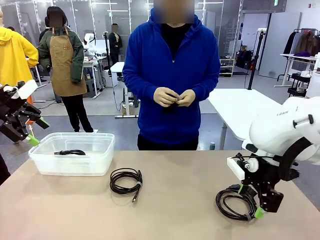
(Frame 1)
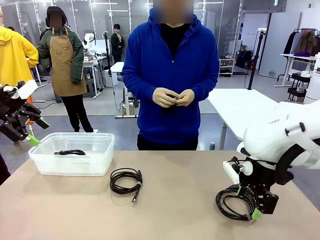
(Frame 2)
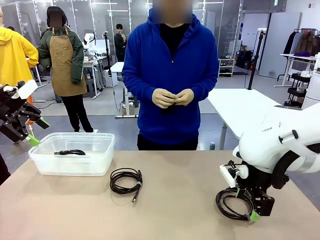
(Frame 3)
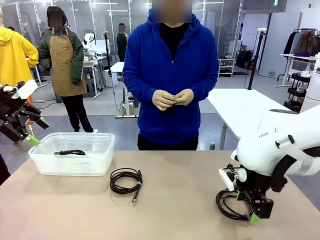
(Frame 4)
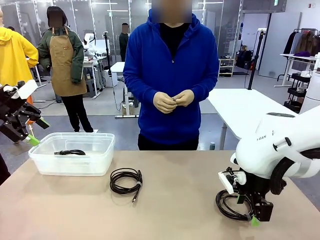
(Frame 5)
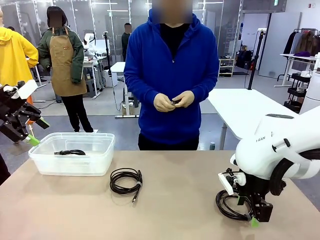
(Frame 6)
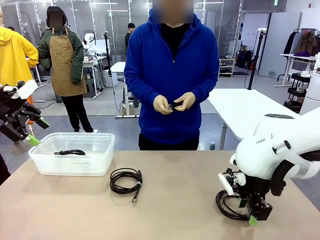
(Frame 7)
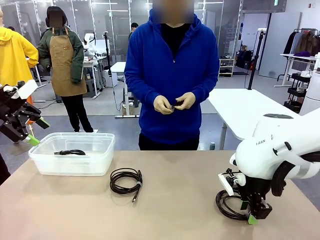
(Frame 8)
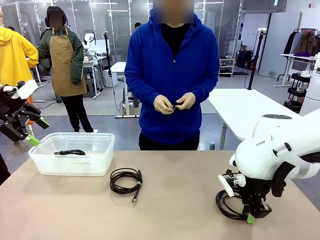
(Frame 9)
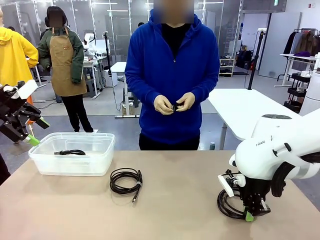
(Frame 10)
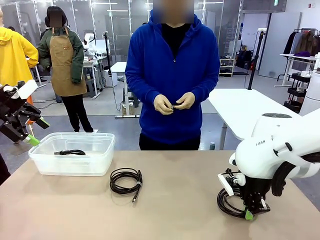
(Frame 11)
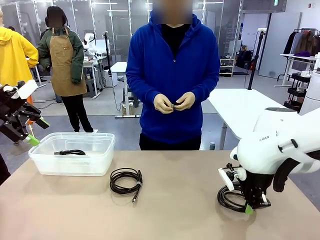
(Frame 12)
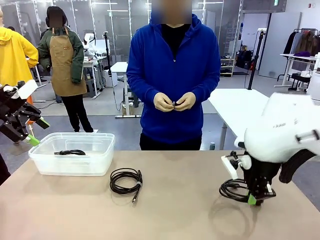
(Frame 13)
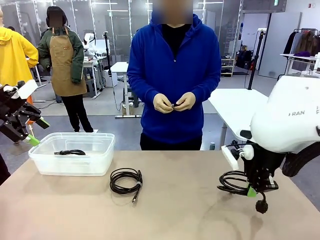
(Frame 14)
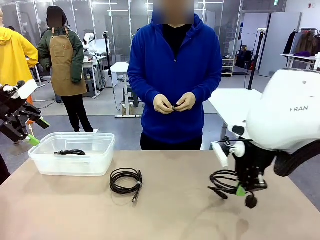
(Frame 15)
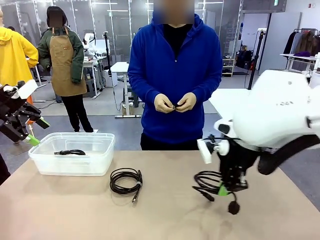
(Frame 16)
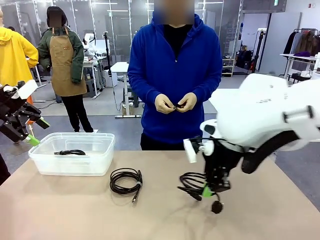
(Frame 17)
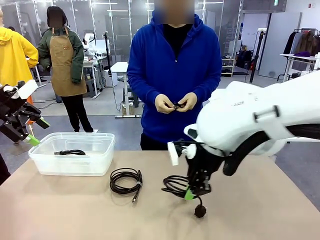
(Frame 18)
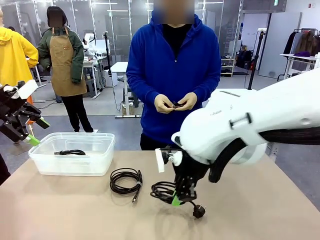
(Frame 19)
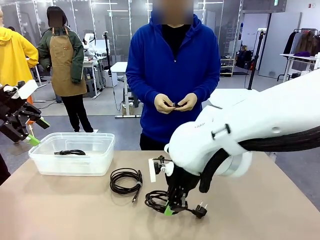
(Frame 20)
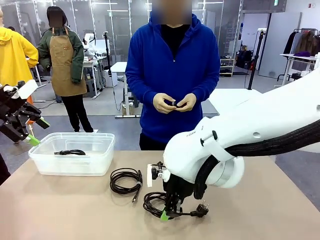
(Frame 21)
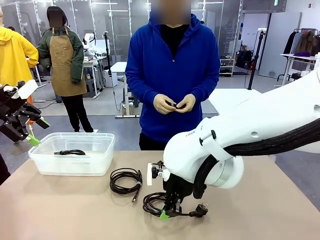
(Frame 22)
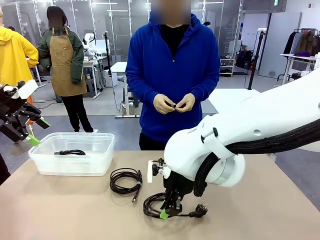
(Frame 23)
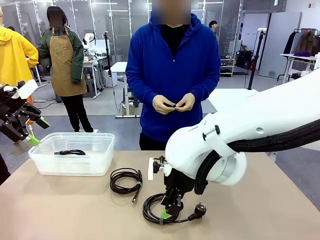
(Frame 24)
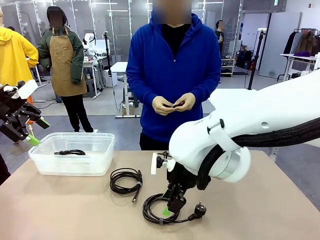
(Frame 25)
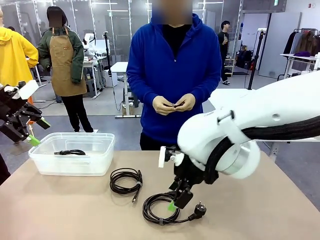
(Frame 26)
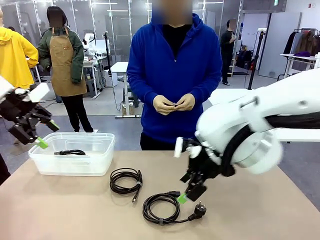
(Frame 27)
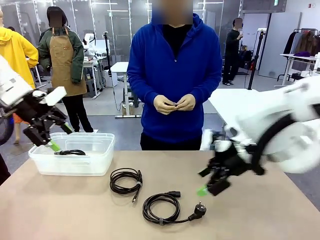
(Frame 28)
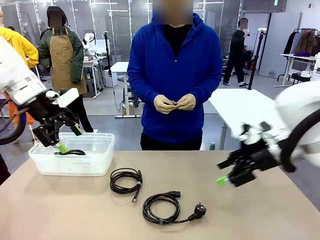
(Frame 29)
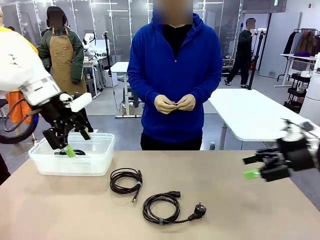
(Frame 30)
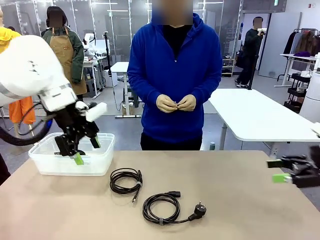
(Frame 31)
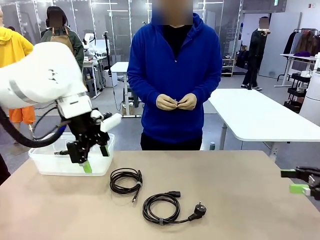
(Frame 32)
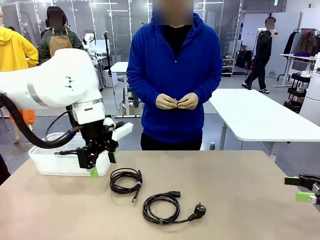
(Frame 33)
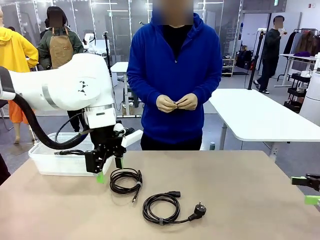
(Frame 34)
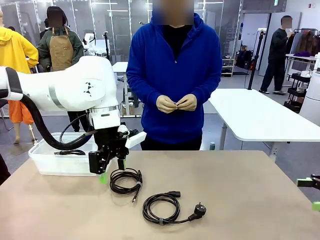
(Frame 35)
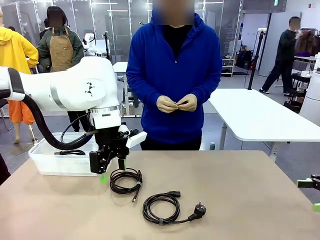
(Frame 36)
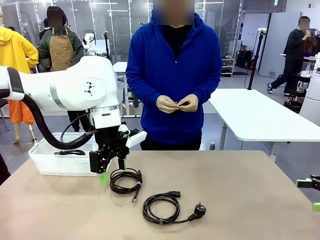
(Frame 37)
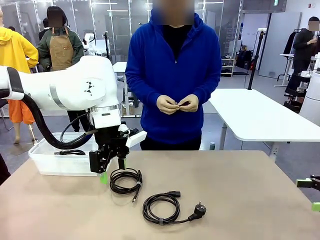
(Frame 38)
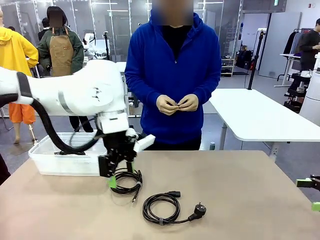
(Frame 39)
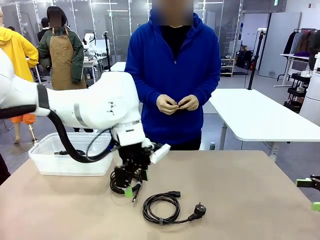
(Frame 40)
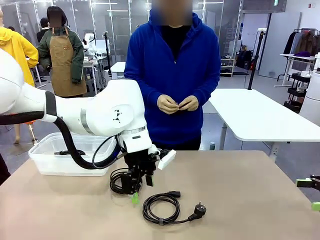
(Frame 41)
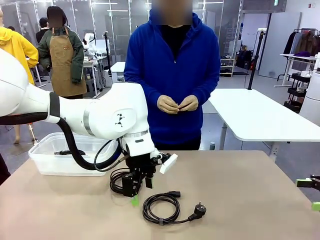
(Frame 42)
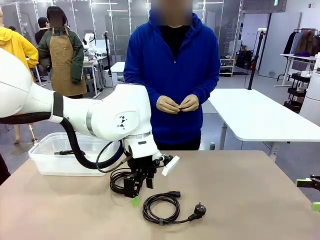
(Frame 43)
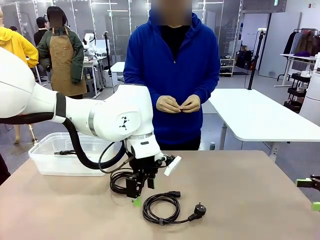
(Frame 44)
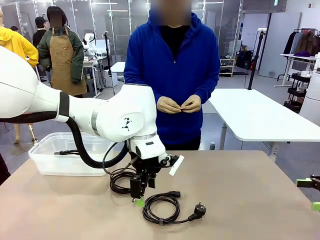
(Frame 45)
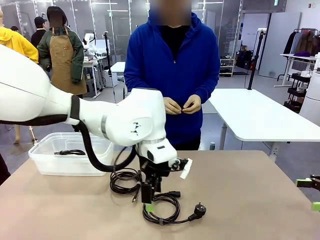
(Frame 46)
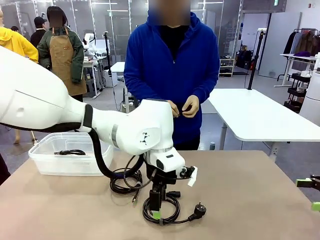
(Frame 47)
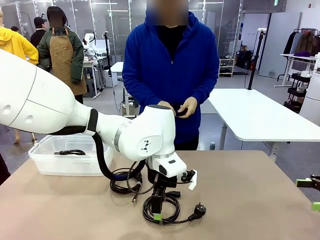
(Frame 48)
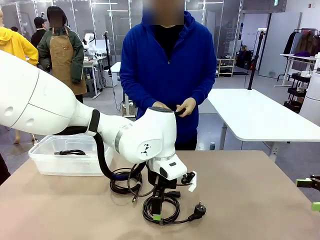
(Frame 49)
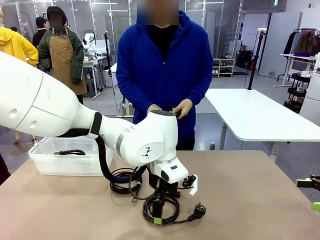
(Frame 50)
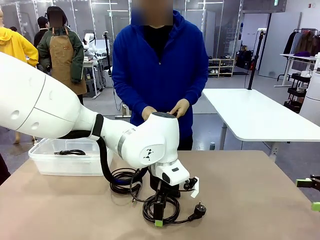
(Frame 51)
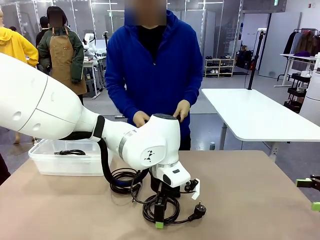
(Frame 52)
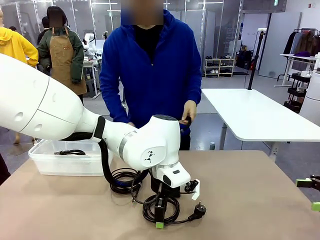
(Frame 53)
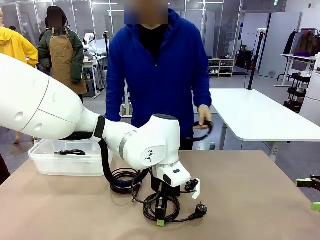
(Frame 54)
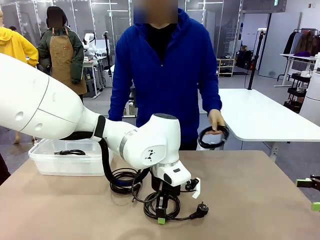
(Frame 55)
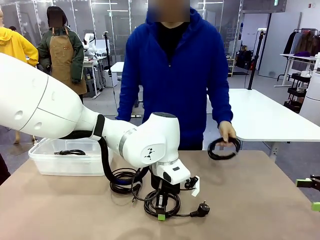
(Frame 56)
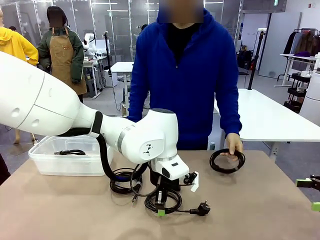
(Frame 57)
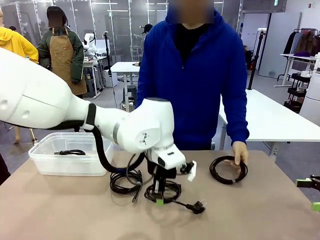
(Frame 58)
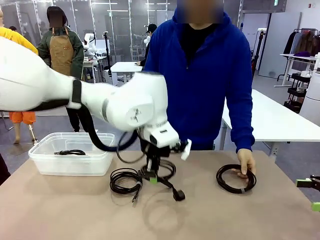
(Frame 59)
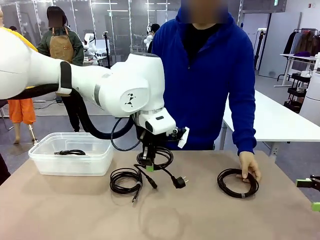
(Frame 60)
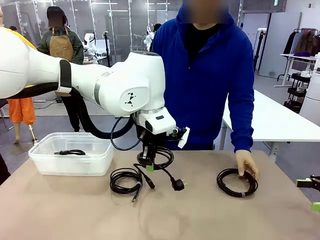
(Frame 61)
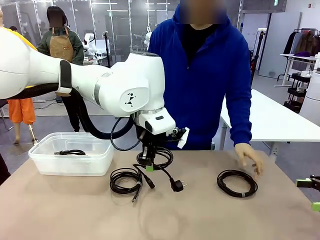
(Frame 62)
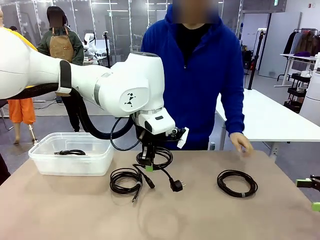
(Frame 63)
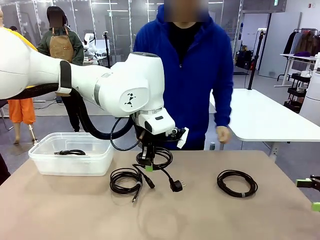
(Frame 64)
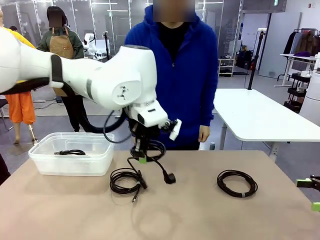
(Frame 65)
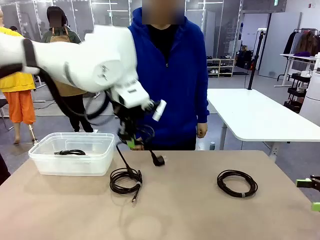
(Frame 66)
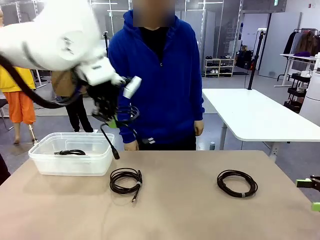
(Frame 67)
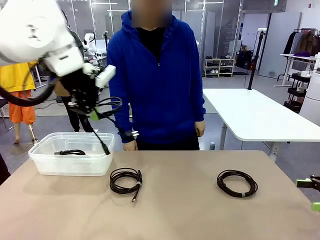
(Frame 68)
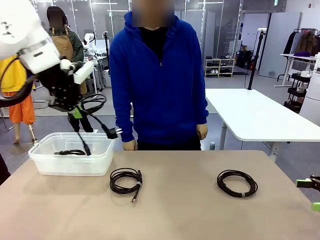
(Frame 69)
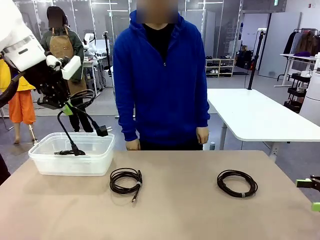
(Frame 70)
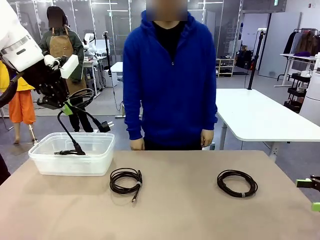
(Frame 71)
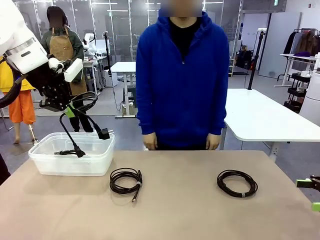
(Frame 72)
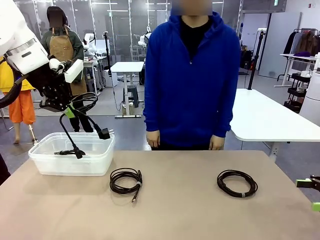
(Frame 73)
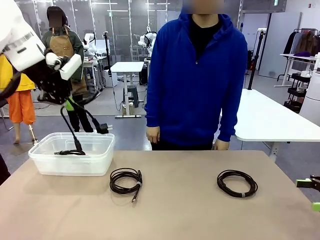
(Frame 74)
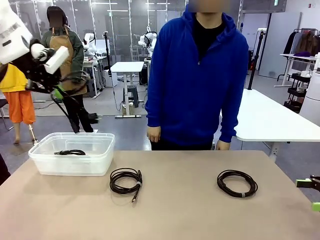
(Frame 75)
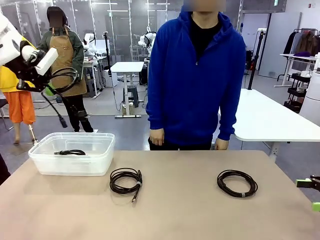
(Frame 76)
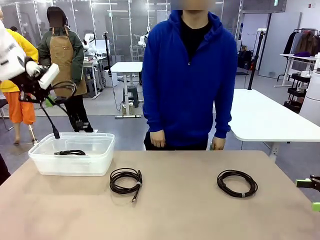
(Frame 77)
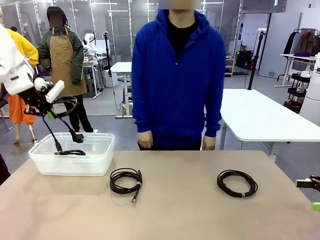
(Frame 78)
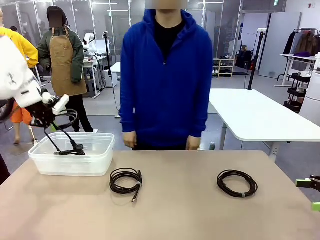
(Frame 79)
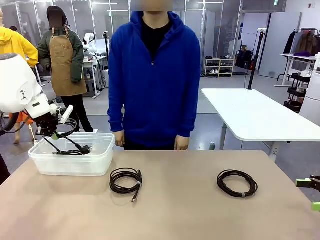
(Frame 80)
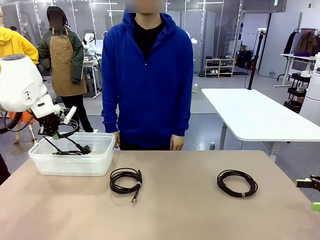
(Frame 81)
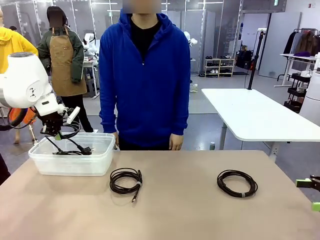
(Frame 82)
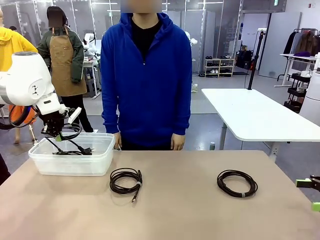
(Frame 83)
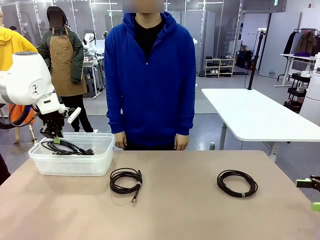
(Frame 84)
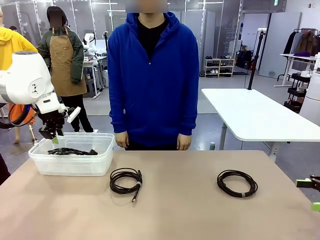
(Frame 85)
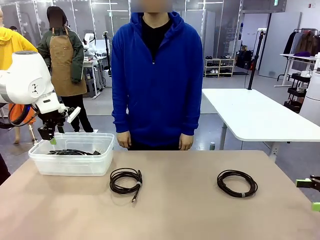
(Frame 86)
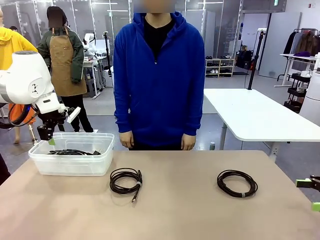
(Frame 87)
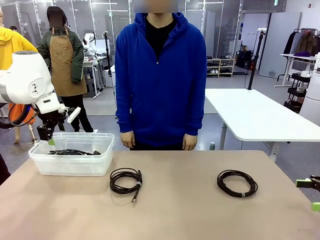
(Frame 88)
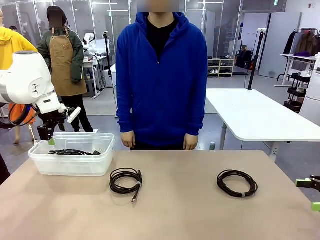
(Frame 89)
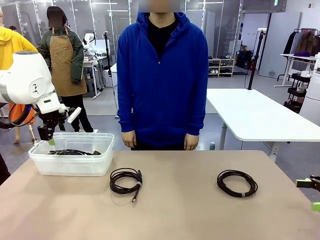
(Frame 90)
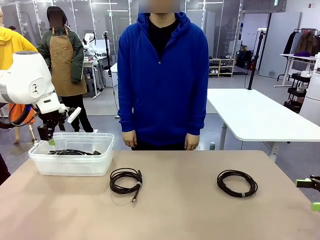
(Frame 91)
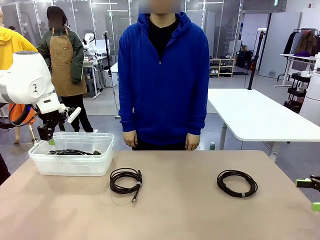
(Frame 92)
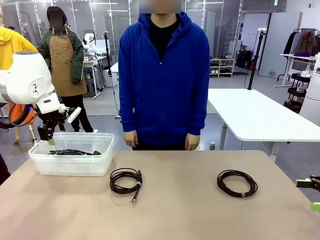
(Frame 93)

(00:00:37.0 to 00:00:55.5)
Task: Organize and store the cables.
Robot: Place the Power Cable into the Organizing box.
